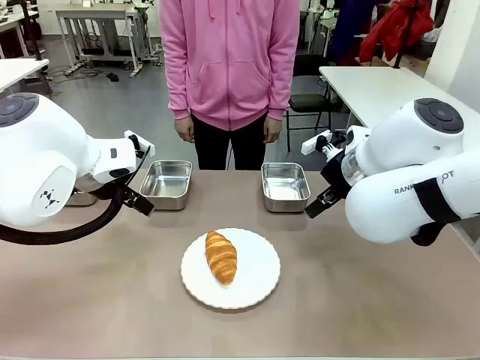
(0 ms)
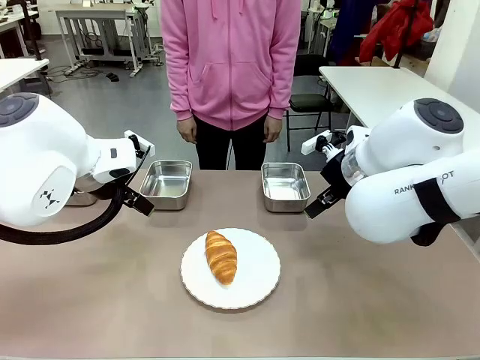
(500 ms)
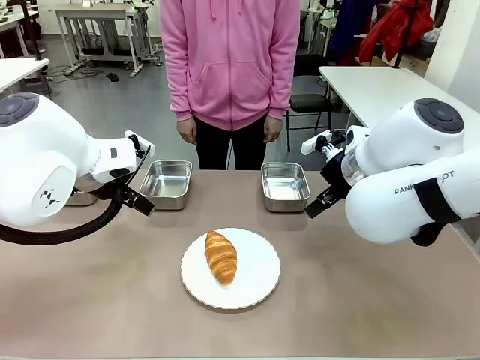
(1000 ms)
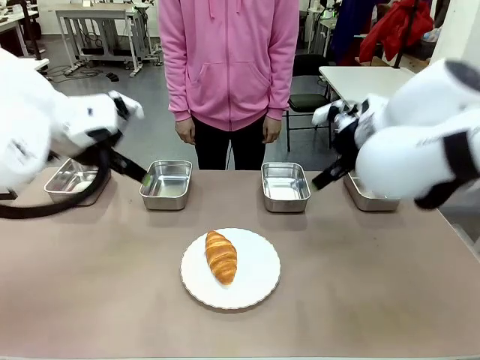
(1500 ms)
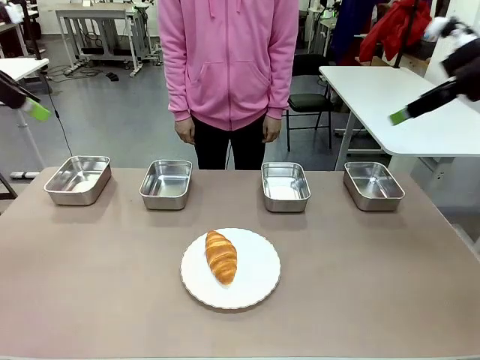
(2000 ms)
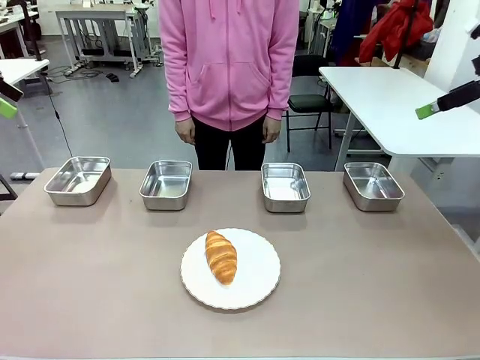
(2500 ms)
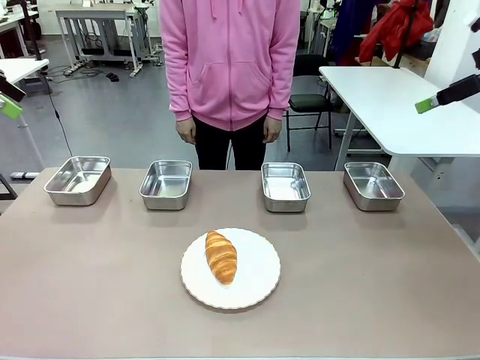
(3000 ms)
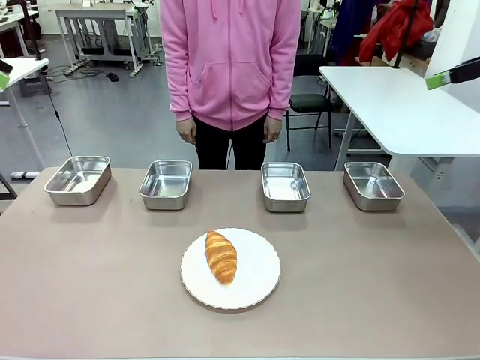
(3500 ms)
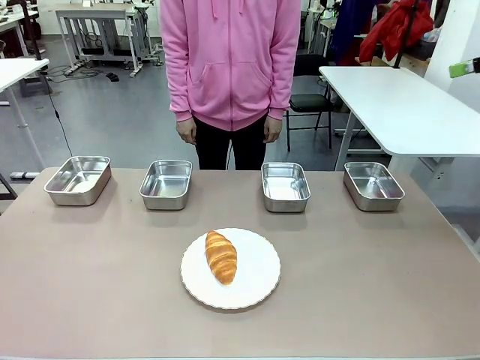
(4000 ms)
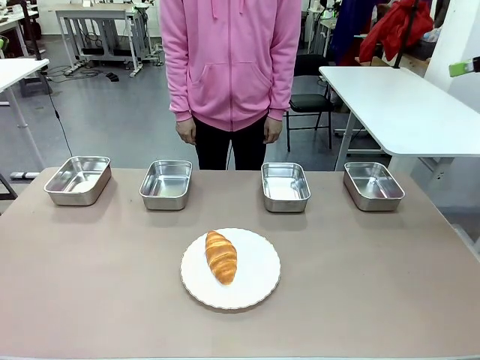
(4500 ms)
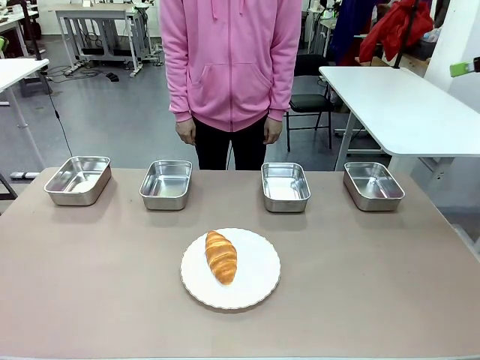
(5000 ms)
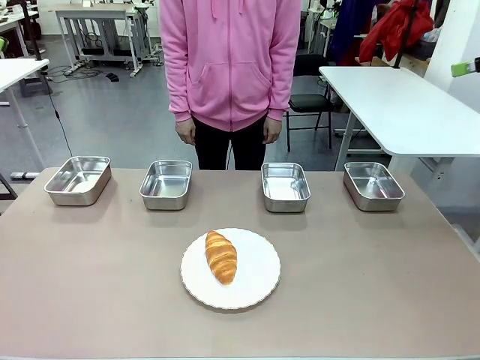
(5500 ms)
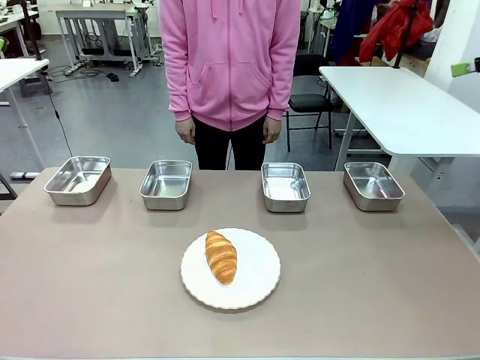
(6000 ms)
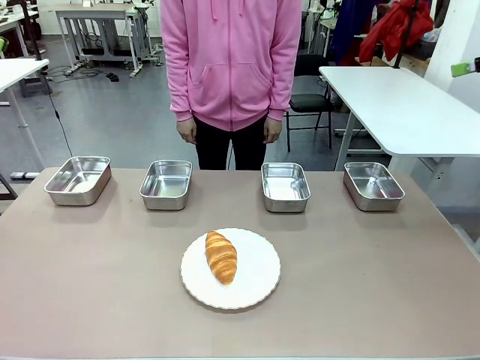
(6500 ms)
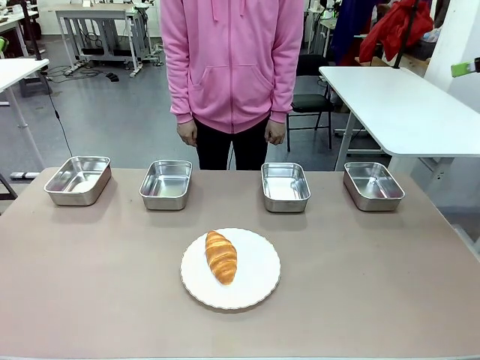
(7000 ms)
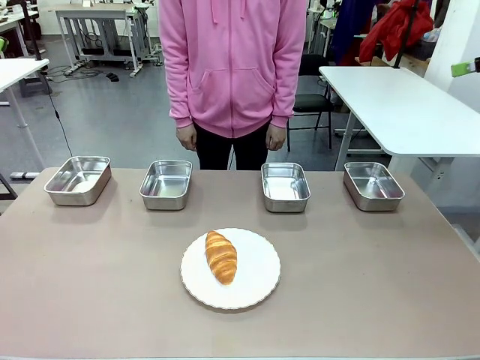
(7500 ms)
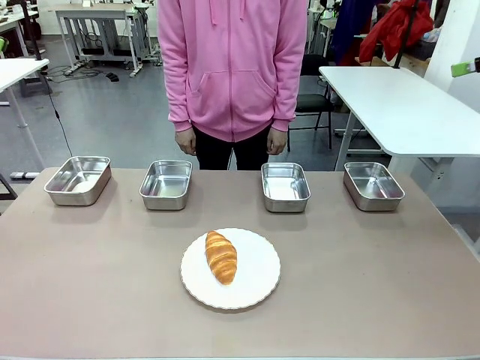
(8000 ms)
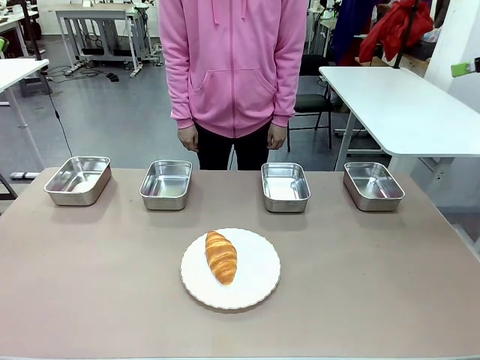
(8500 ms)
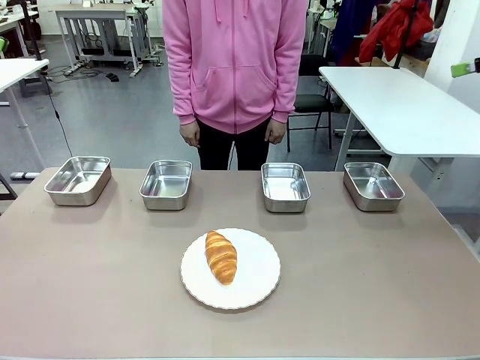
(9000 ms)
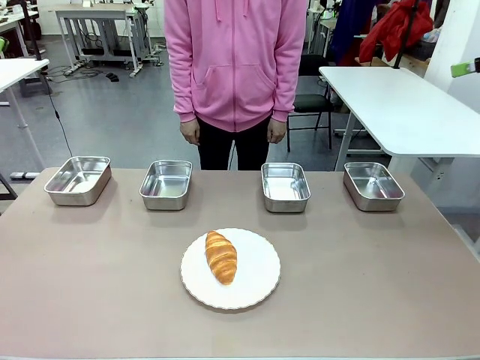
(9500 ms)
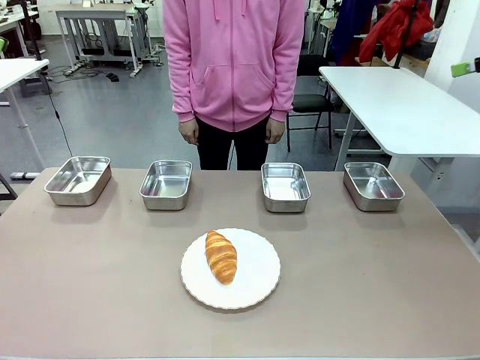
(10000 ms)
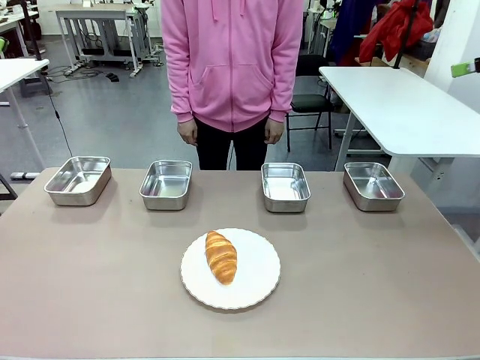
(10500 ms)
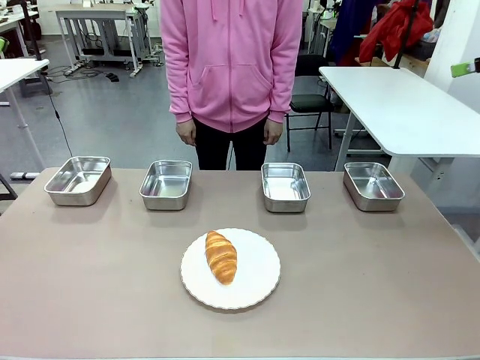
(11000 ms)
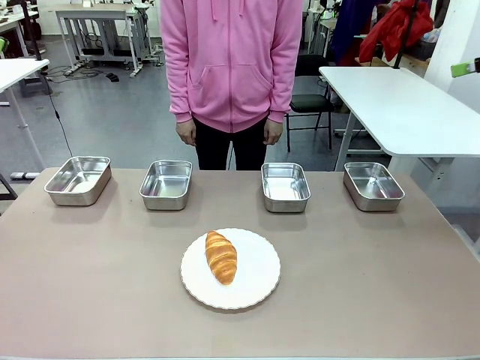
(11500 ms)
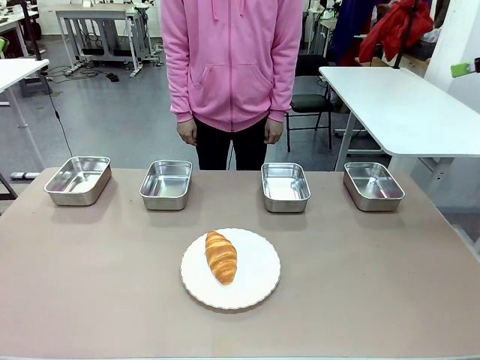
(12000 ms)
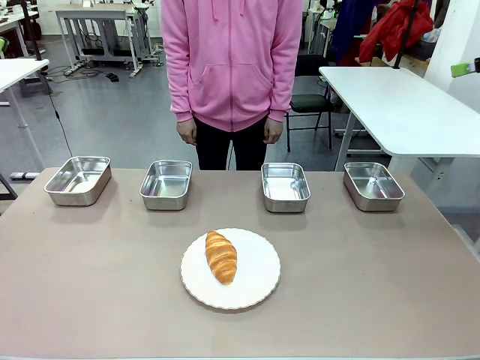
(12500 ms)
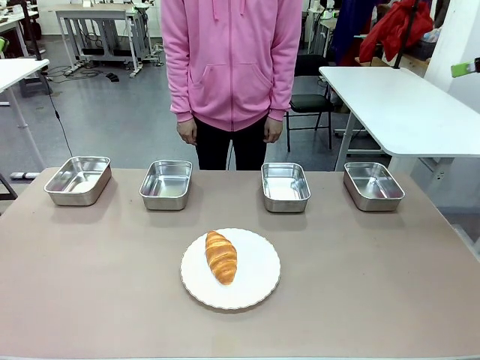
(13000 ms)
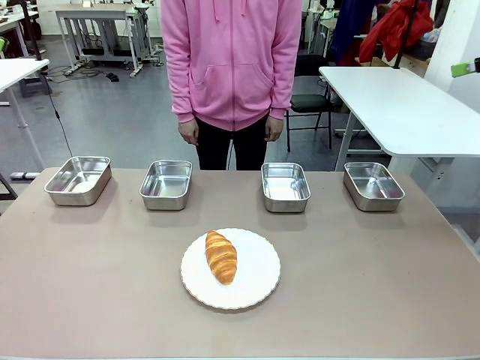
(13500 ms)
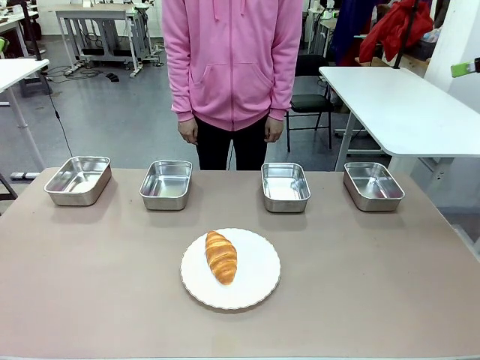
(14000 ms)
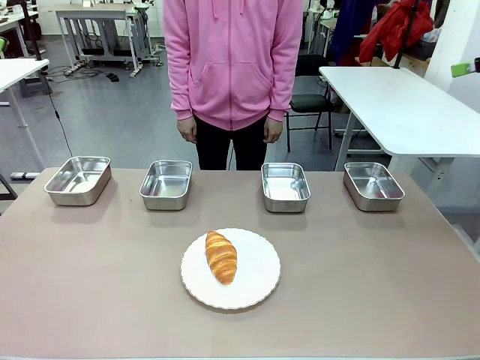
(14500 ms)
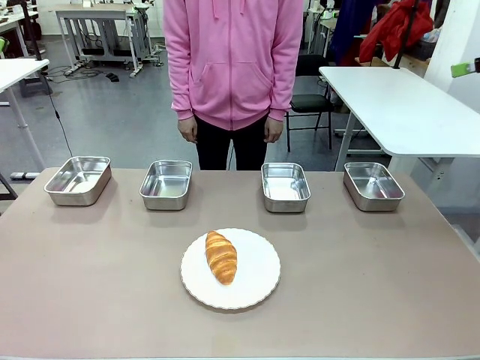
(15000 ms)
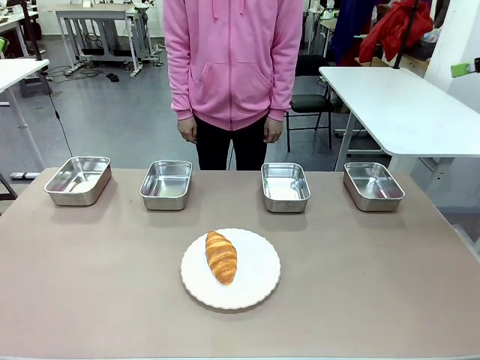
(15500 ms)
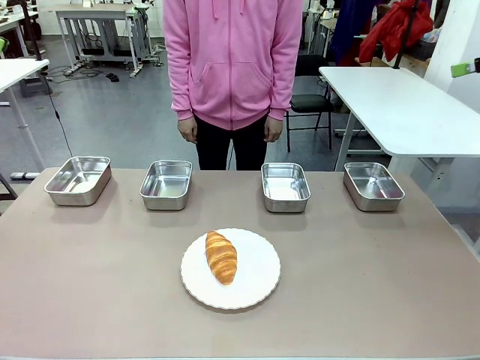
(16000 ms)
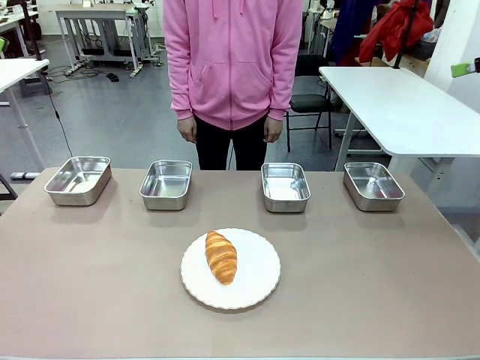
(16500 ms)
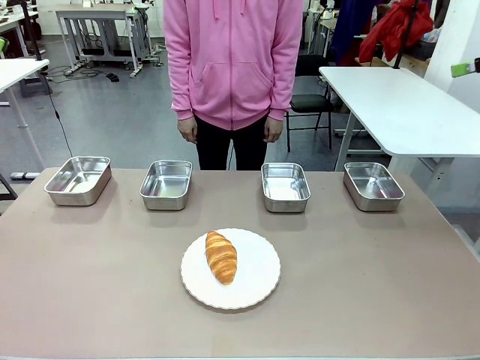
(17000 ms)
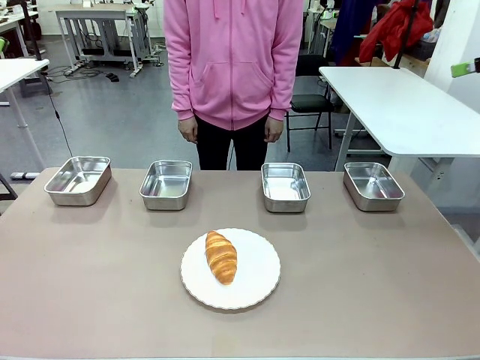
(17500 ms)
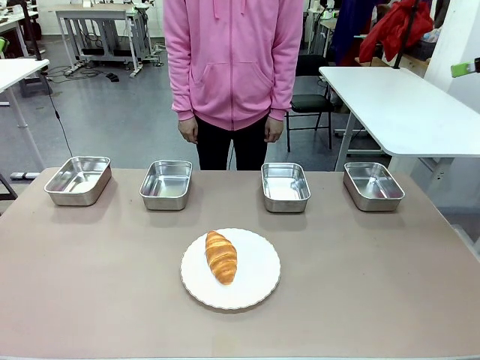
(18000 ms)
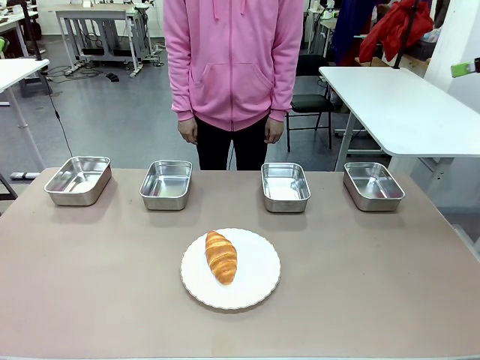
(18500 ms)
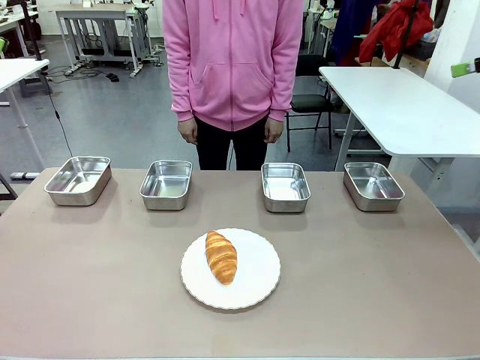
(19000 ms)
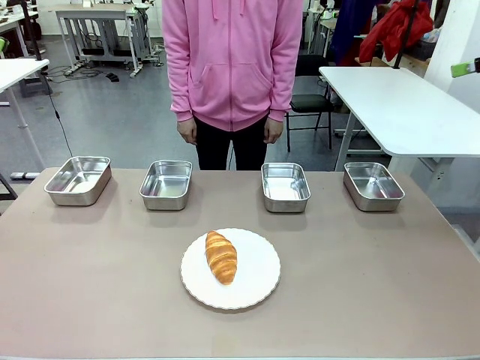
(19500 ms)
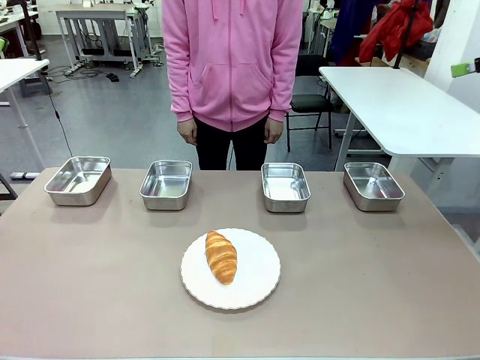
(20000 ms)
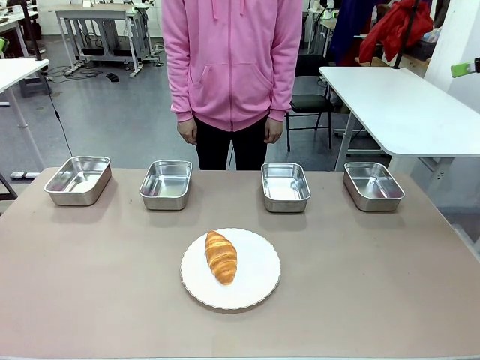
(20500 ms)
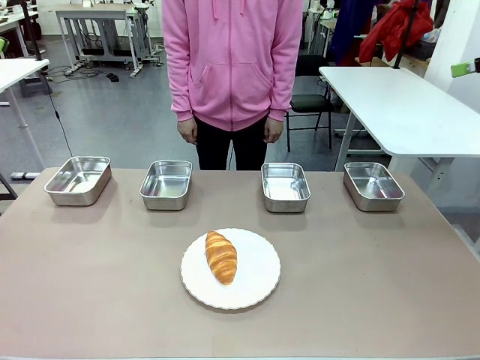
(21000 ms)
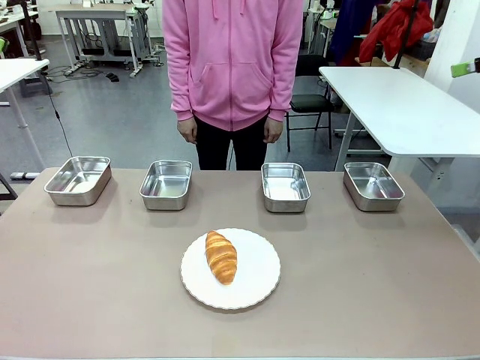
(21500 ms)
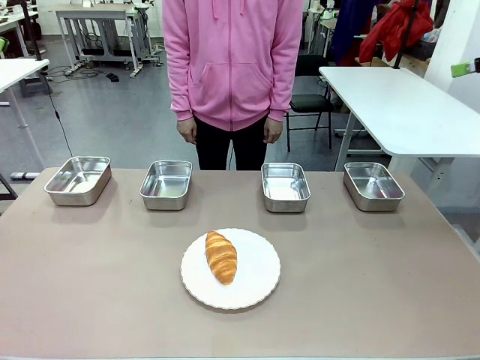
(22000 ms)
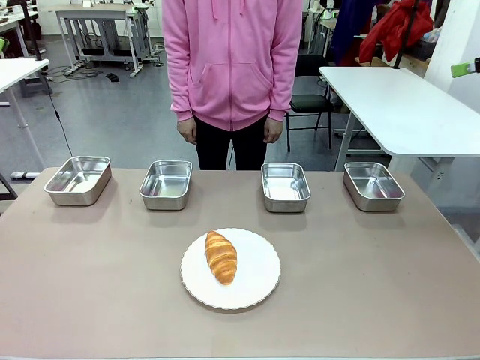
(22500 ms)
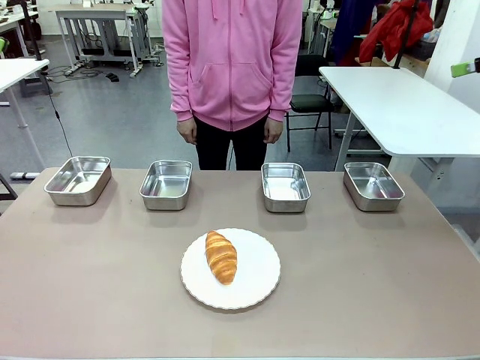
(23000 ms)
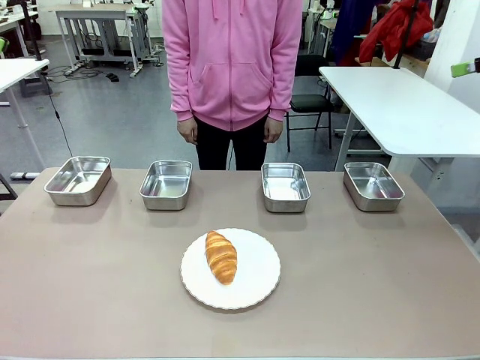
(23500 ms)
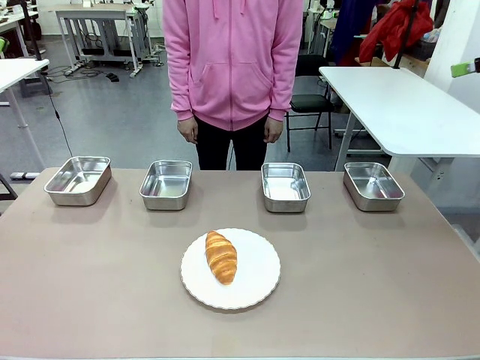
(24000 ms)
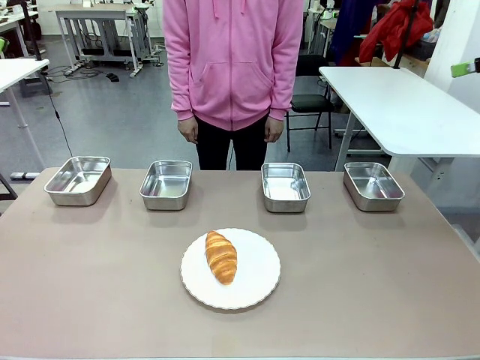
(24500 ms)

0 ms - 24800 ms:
Task: Place the bread in the container.
Robot: Place the Butter Roll into the Airtight Container indicated by the human.
